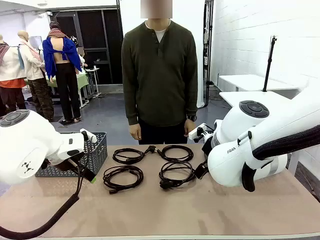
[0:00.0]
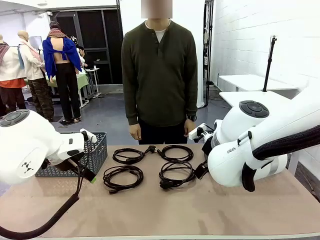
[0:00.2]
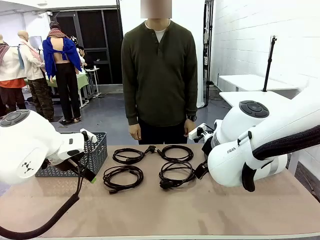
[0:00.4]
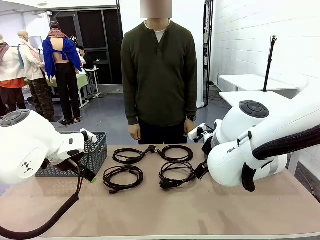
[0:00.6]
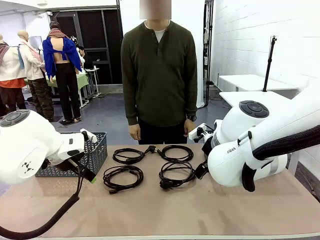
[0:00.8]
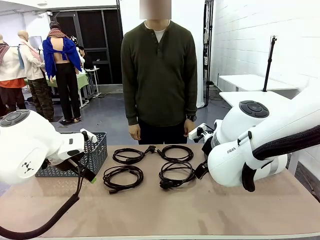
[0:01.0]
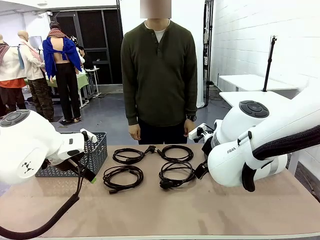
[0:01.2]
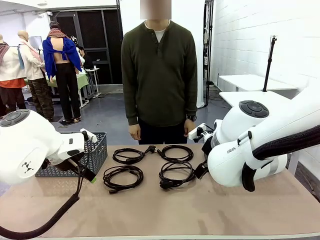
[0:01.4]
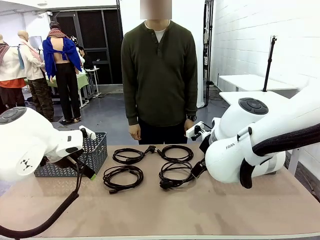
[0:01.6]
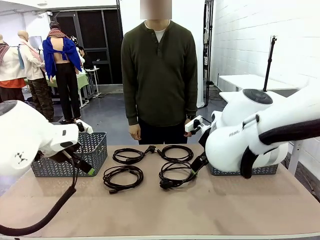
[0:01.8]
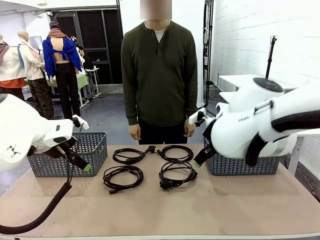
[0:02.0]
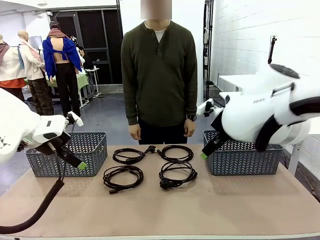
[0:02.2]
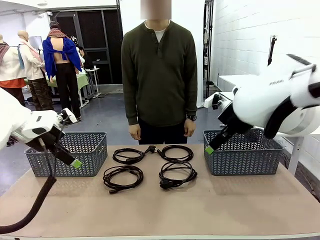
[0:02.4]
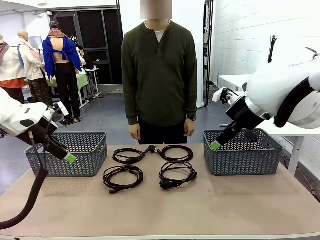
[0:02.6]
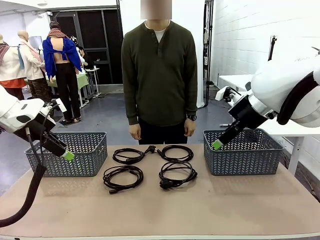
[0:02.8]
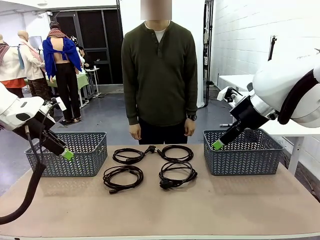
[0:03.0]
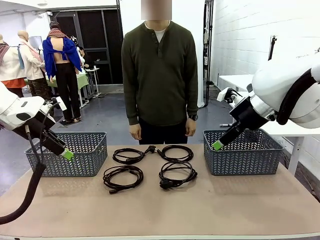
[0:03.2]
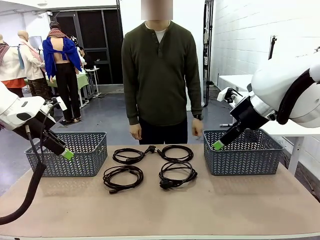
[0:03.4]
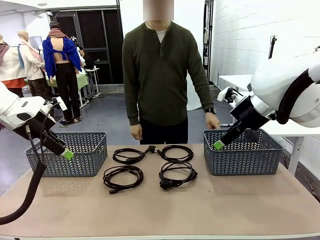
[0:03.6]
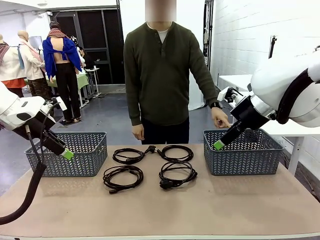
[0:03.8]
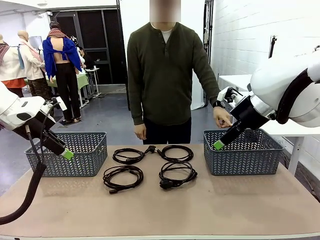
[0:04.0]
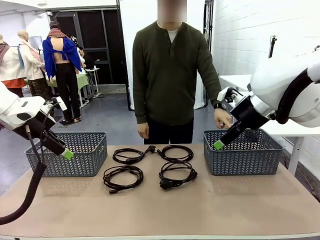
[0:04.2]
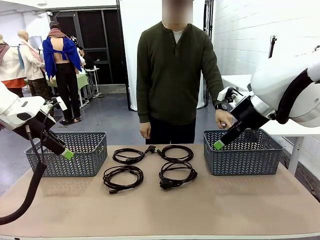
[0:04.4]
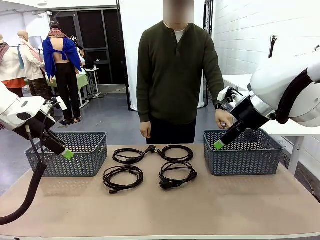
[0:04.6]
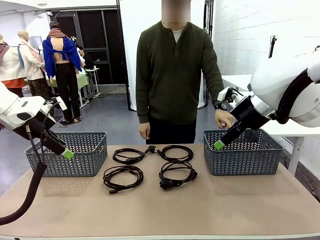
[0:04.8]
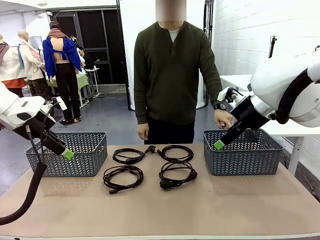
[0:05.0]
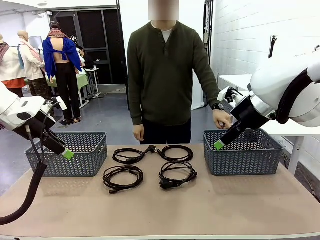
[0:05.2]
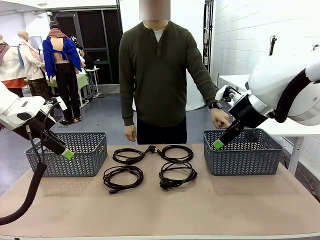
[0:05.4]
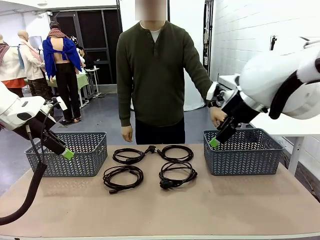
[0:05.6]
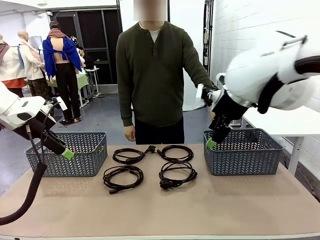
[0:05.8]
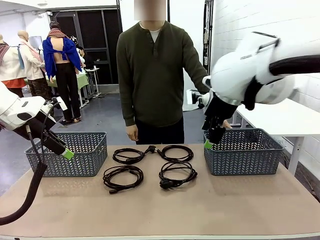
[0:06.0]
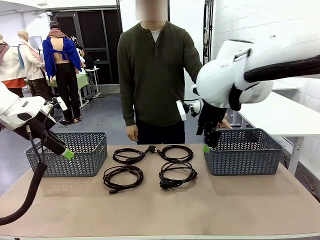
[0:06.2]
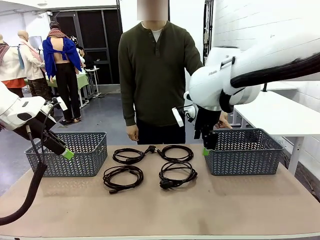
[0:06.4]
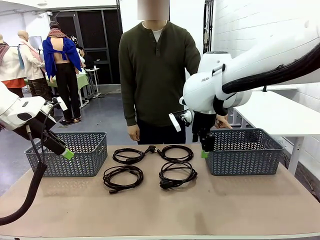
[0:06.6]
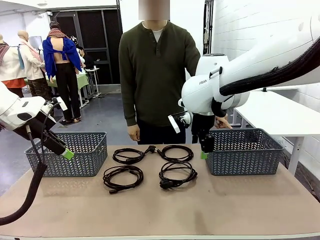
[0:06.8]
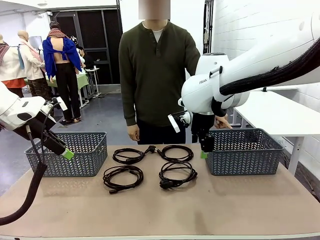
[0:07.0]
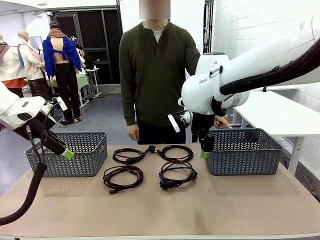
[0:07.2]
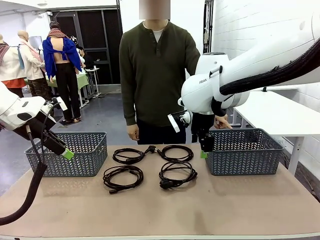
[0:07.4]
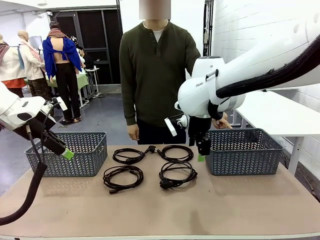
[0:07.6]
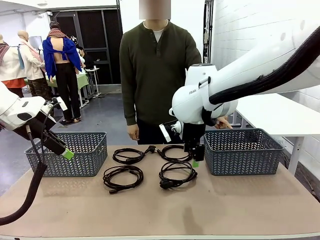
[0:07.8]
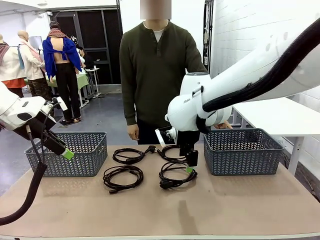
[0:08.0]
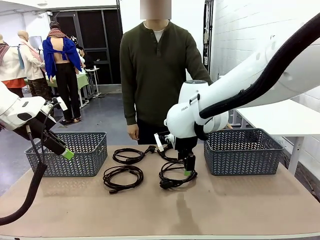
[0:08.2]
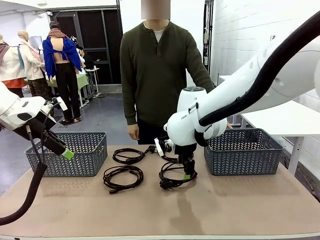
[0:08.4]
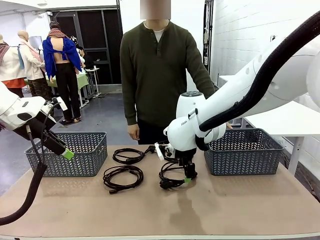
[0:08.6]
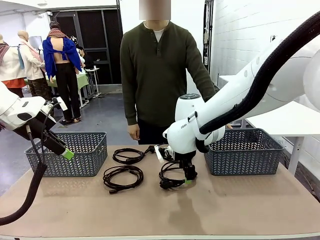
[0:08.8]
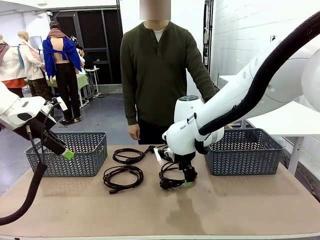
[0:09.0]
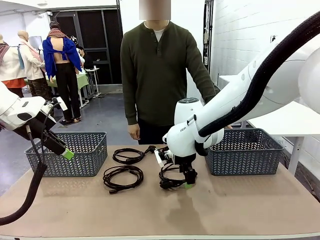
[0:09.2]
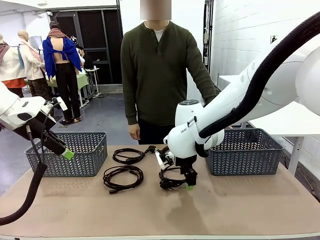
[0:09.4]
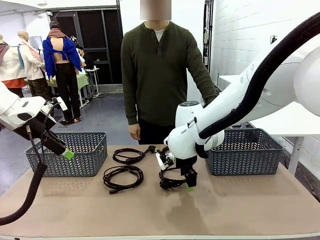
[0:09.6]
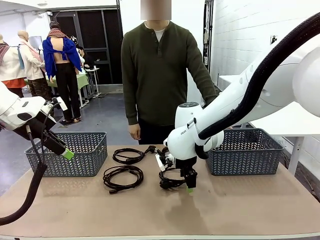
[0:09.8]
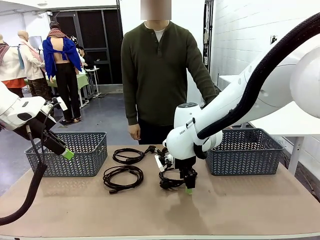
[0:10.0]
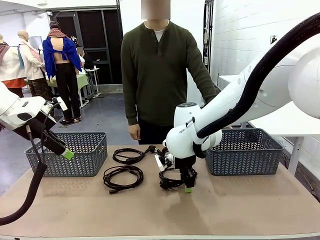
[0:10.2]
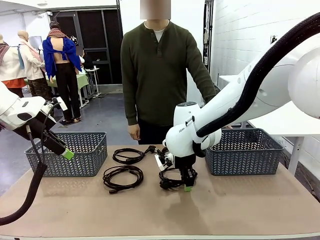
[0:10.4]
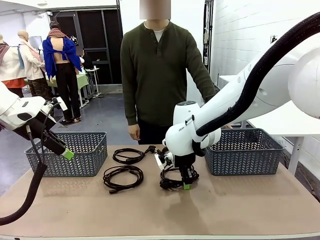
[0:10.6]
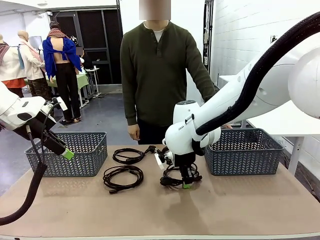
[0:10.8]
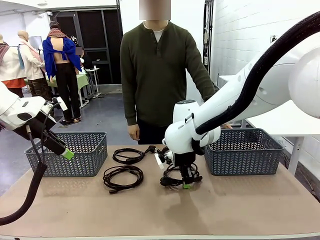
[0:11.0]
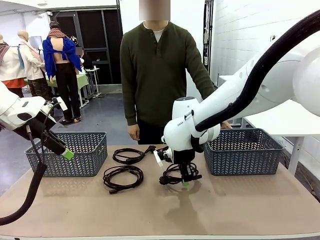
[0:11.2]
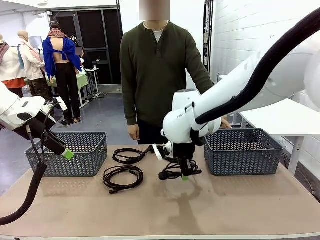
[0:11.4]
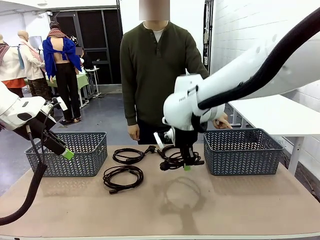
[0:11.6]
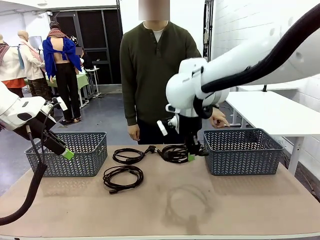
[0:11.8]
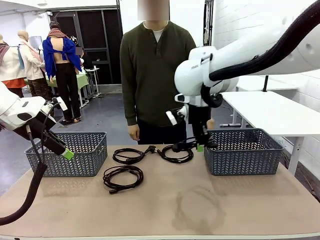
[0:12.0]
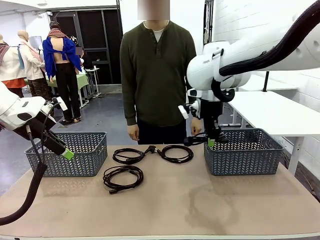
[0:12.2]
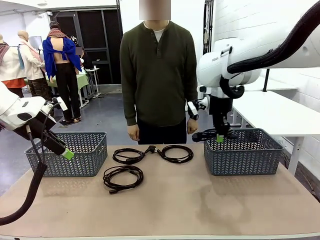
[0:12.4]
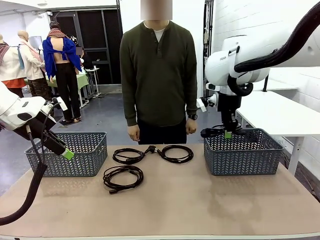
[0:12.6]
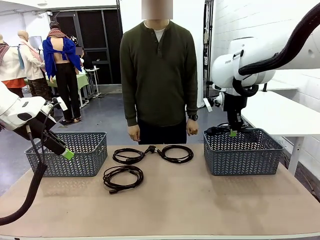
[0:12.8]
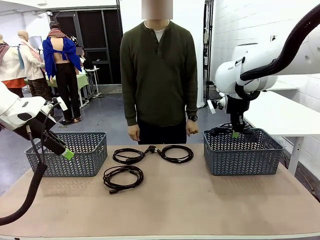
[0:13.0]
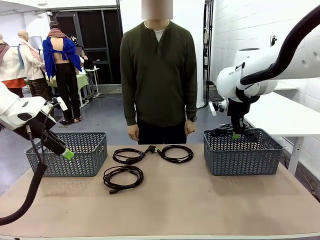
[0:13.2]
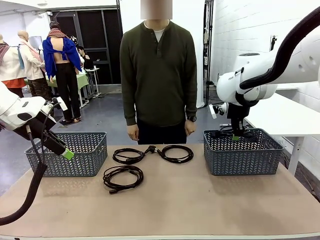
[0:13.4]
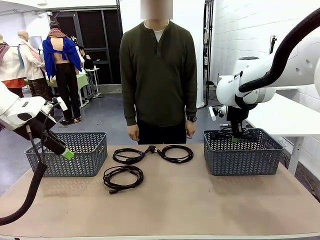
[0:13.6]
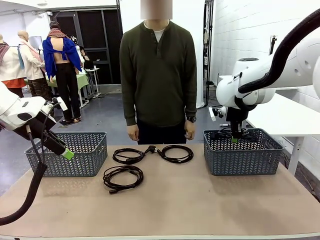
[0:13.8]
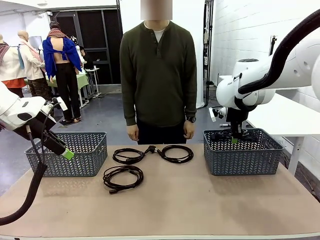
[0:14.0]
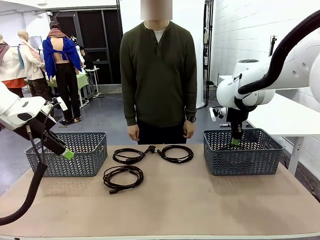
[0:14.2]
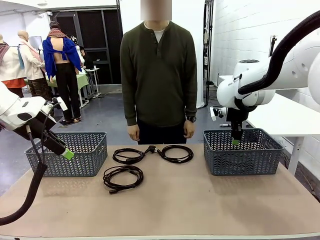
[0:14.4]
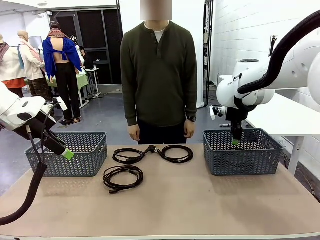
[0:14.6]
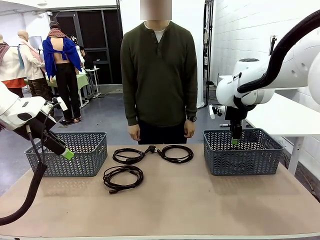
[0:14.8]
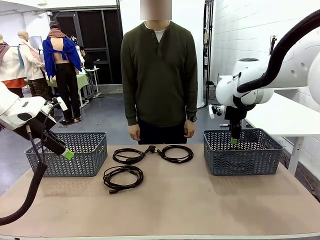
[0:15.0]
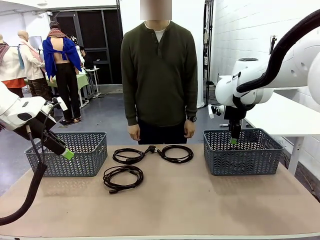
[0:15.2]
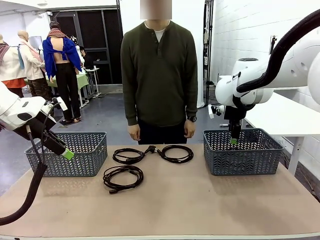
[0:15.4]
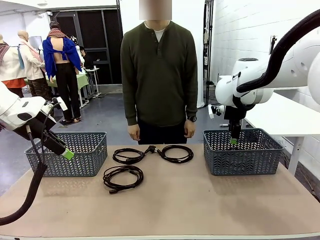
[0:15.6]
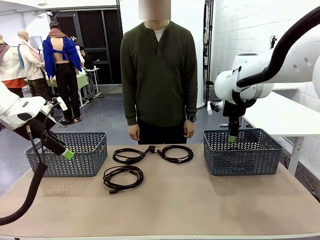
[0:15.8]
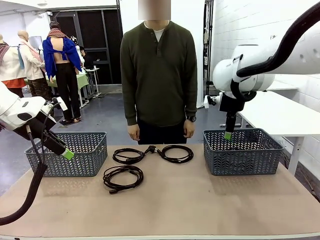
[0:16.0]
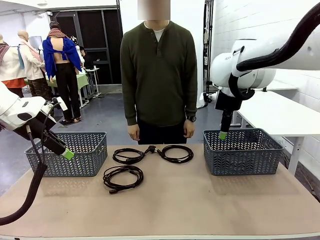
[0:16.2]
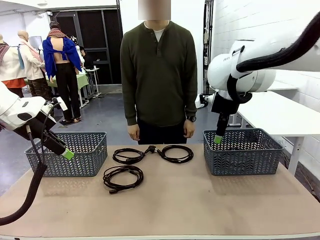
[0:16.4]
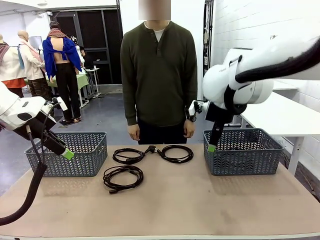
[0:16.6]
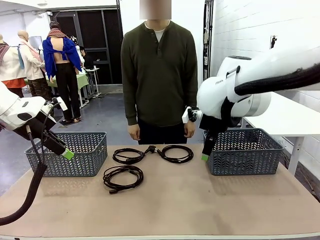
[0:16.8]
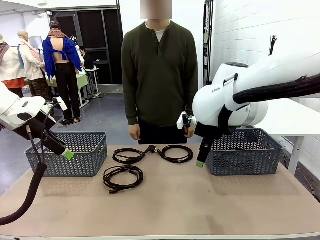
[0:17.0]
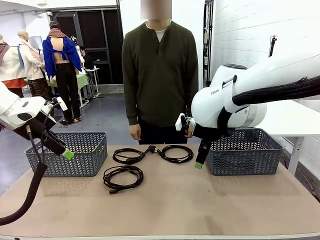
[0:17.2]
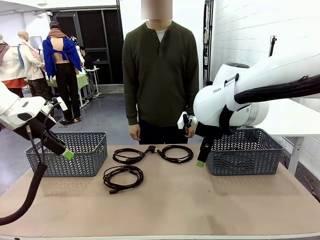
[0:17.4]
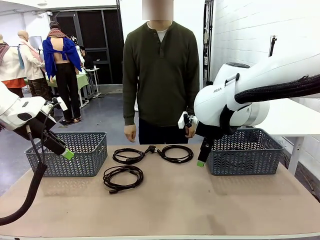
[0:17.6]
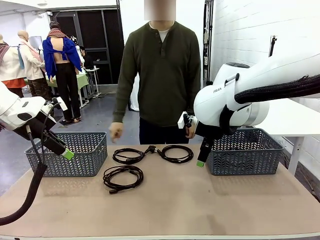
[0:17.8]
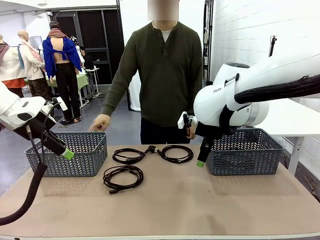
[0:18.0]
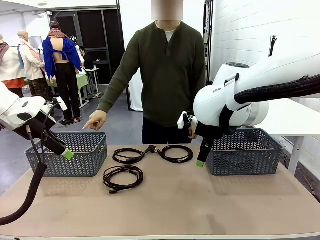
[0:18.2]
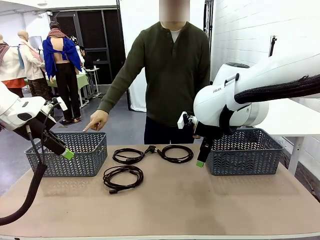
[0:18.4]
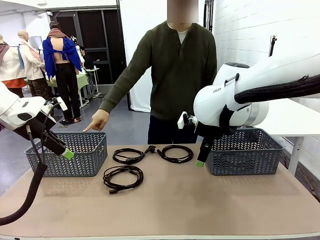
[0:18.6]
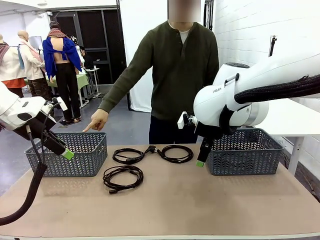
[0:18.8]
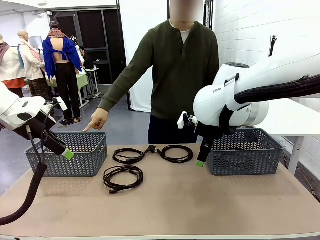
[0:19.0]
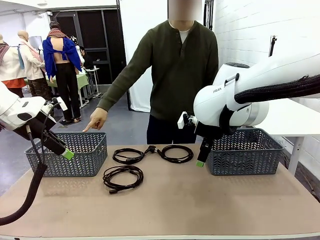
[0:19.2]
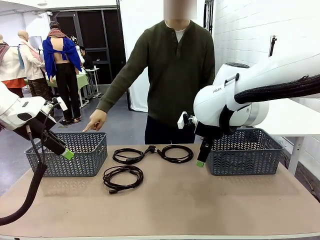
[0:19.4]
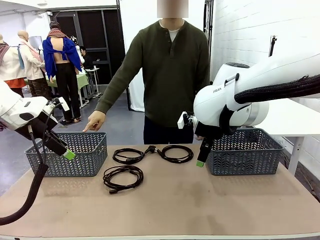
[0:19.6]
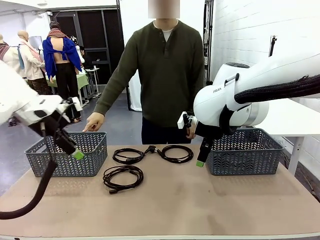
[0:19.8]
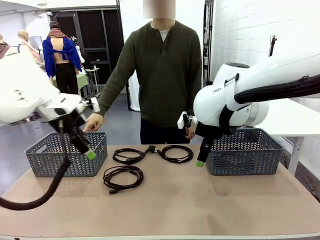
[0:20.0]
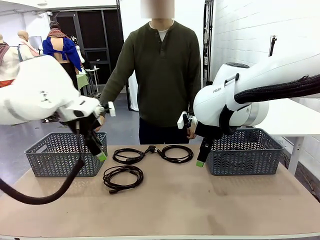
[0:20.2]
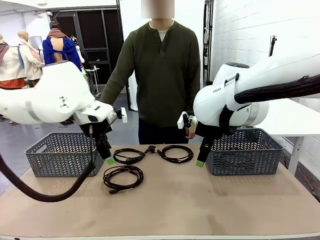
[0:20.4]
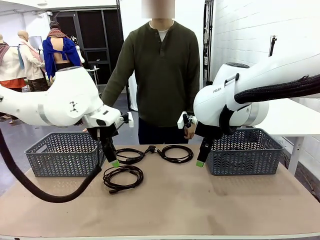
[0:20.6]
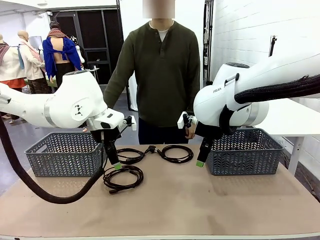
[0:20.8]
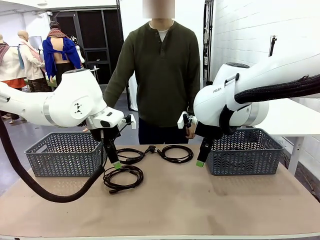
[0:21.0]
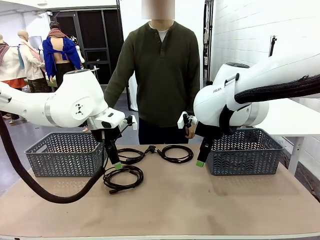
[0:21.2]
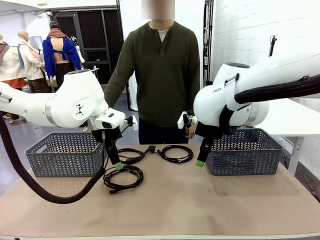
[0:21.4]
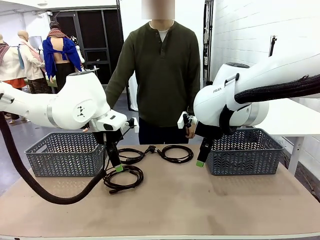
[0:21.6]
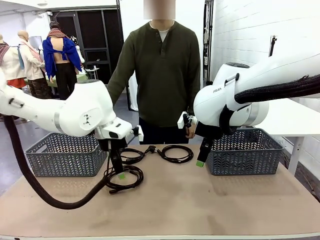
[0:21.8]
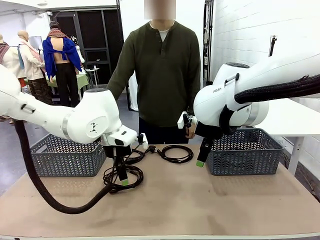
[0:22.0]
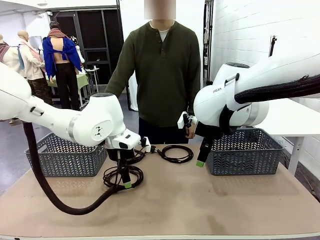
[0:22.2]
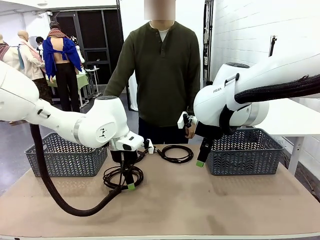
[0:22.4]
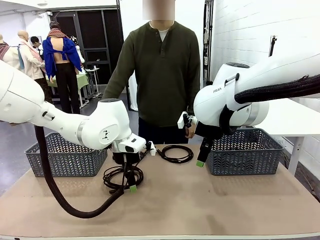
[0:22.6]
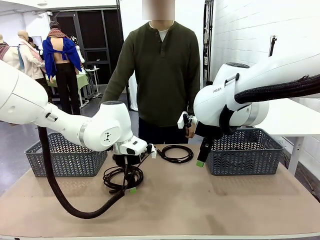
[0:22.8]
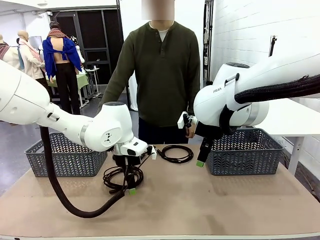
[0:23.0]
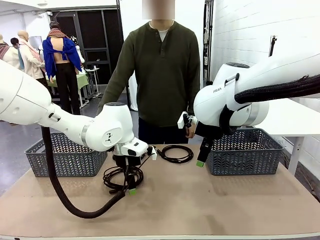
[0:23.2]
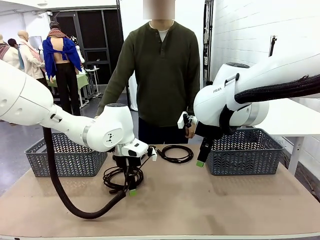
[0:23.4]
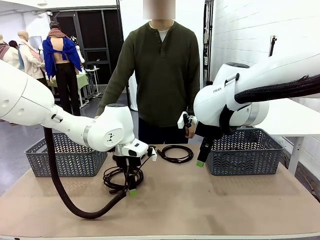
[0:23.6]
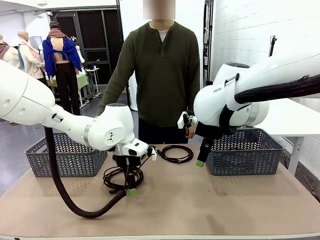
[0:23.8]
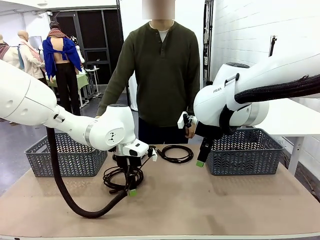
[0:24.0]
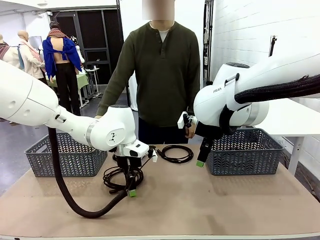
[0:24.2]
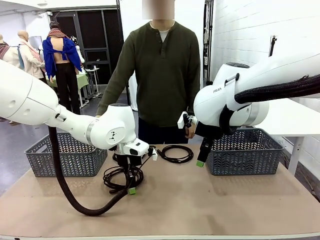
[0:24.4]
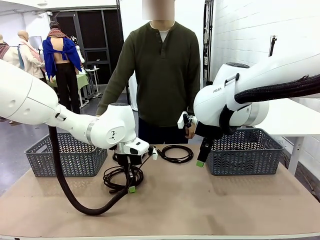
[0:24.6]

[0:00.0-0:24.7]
Task: Organize the cables according to human instructions.
Robot: Pick up a bundle of cables and place it in the basket indicated by the human.
